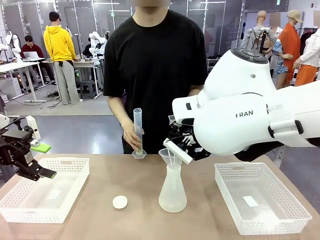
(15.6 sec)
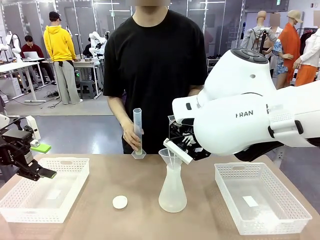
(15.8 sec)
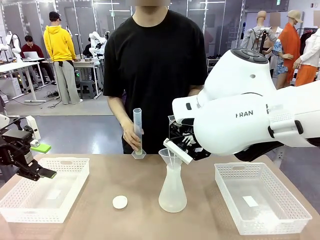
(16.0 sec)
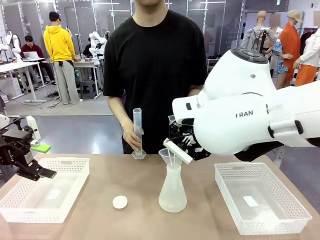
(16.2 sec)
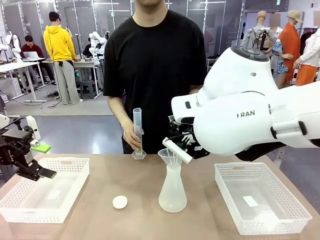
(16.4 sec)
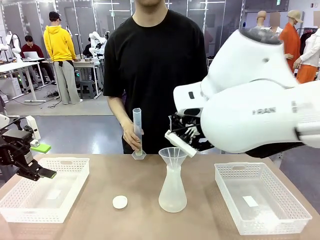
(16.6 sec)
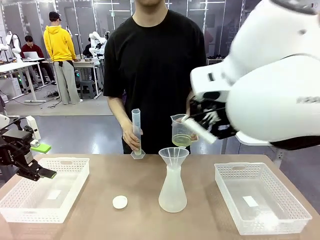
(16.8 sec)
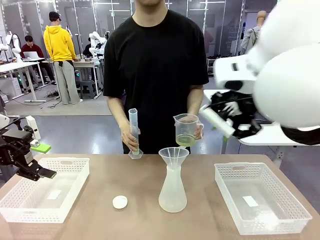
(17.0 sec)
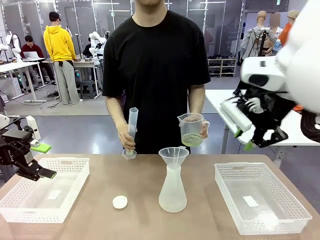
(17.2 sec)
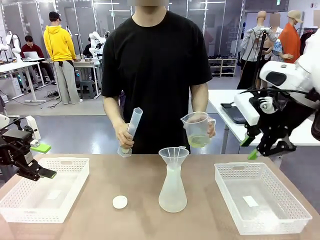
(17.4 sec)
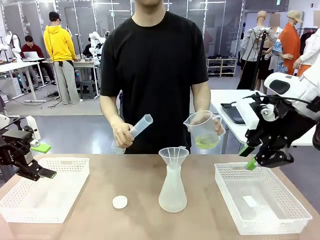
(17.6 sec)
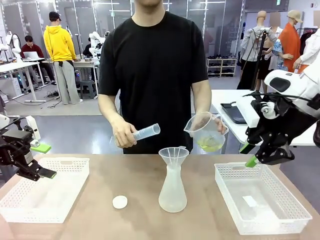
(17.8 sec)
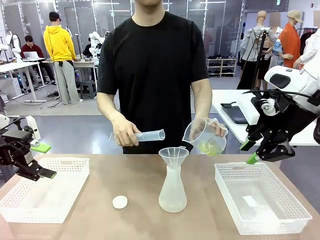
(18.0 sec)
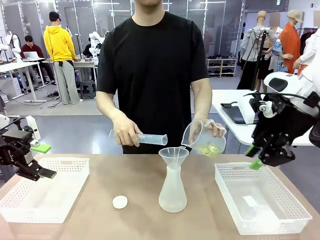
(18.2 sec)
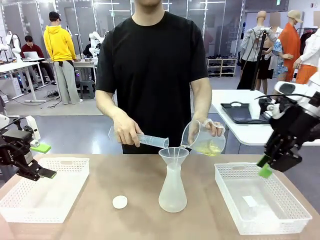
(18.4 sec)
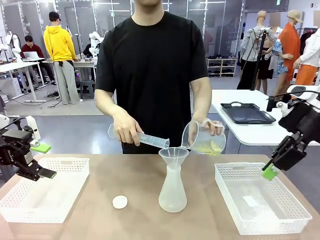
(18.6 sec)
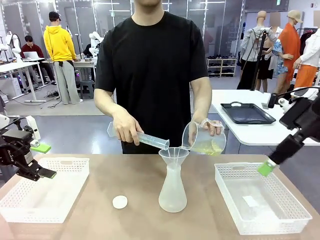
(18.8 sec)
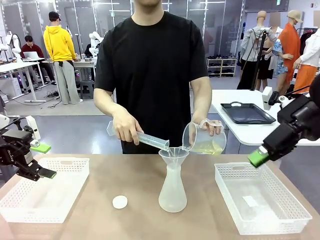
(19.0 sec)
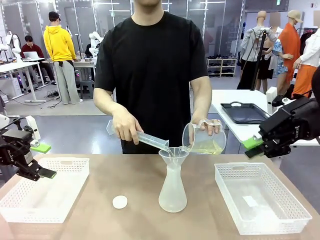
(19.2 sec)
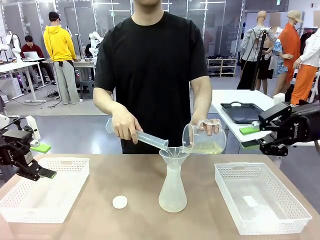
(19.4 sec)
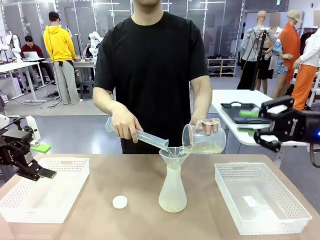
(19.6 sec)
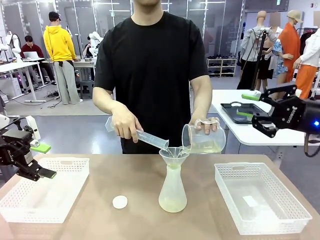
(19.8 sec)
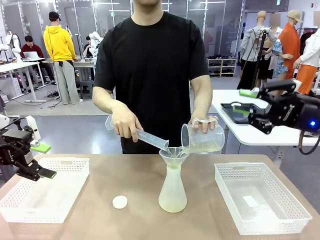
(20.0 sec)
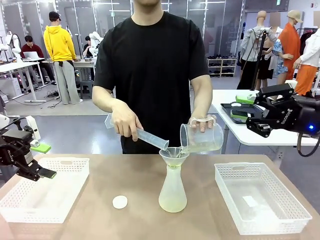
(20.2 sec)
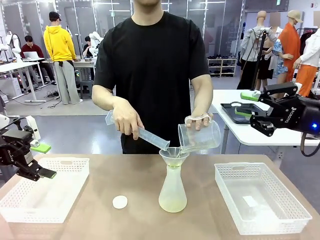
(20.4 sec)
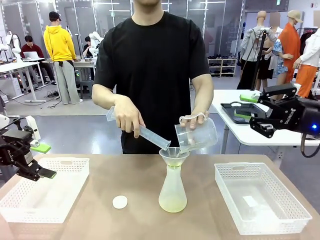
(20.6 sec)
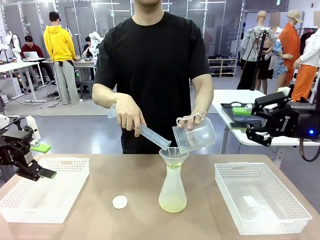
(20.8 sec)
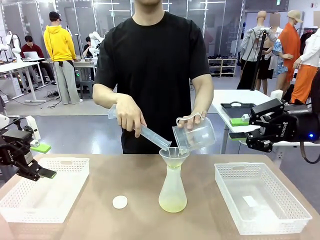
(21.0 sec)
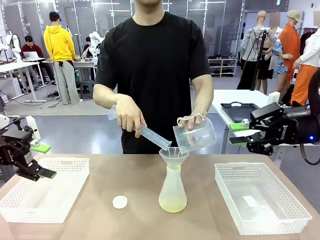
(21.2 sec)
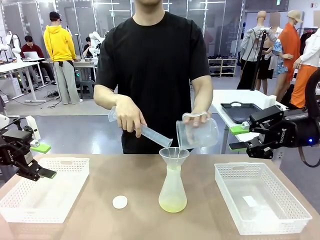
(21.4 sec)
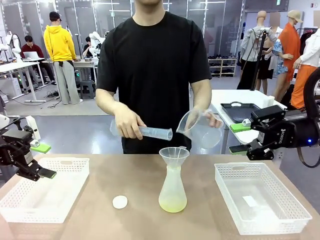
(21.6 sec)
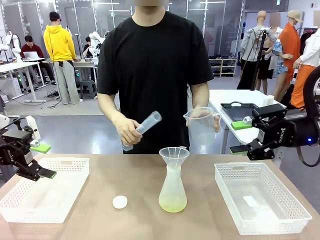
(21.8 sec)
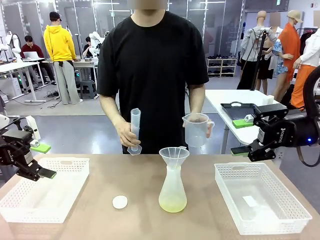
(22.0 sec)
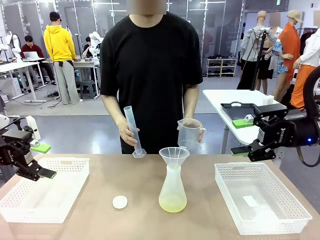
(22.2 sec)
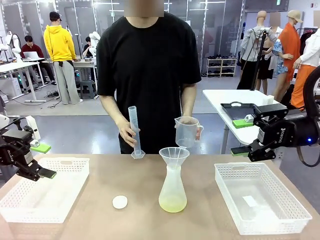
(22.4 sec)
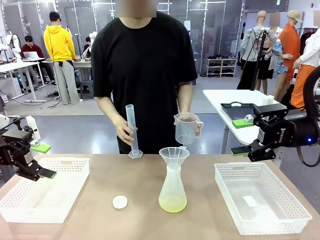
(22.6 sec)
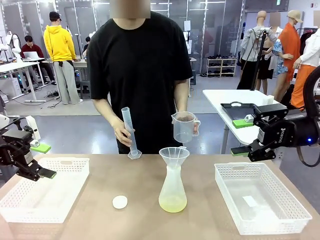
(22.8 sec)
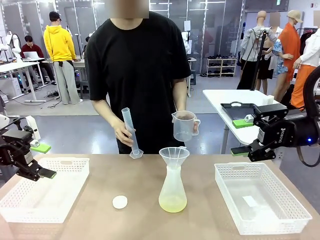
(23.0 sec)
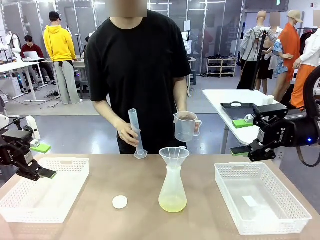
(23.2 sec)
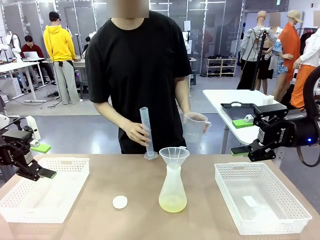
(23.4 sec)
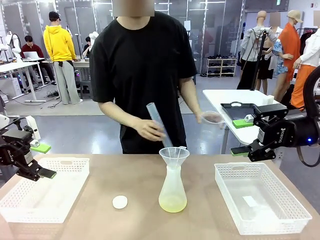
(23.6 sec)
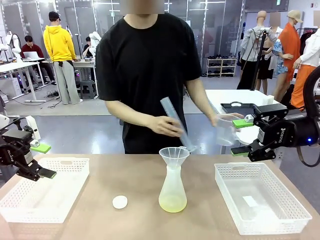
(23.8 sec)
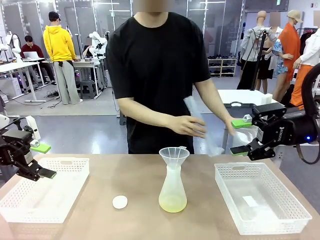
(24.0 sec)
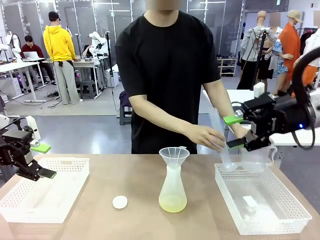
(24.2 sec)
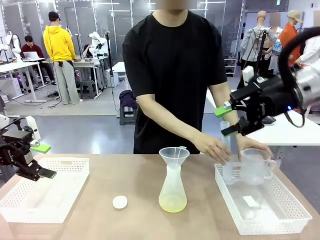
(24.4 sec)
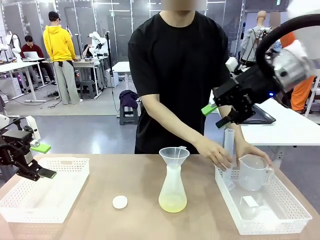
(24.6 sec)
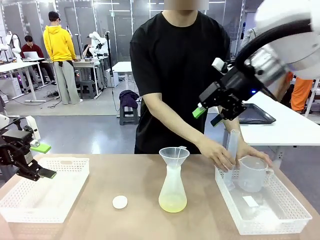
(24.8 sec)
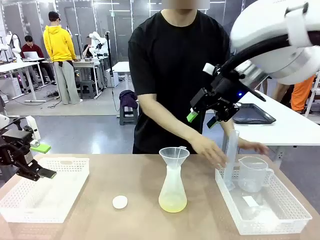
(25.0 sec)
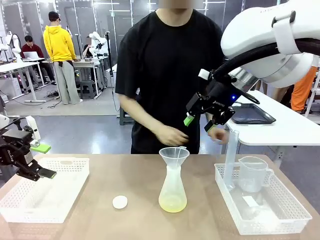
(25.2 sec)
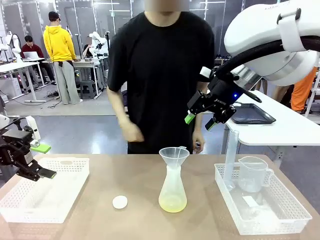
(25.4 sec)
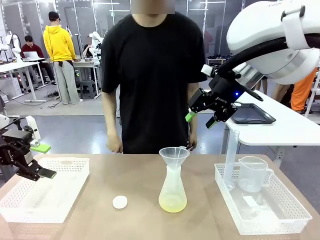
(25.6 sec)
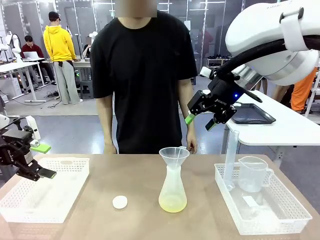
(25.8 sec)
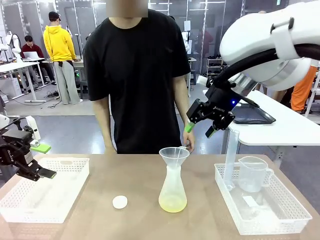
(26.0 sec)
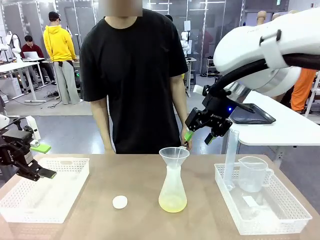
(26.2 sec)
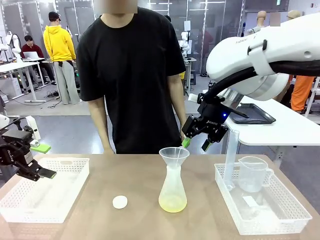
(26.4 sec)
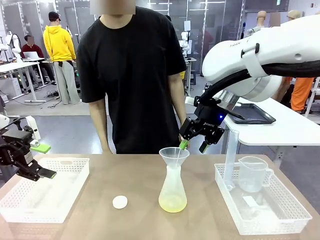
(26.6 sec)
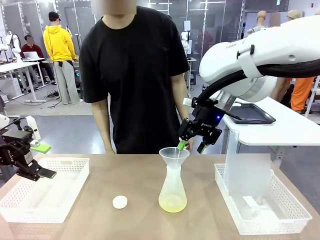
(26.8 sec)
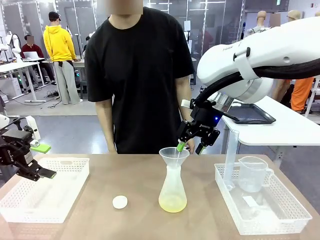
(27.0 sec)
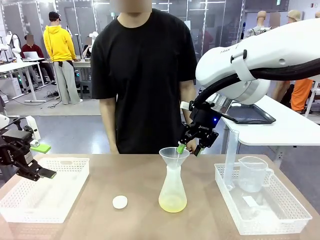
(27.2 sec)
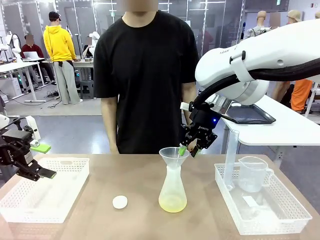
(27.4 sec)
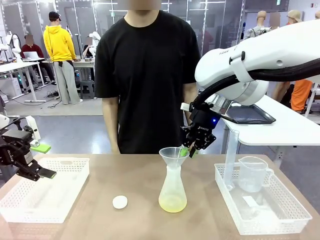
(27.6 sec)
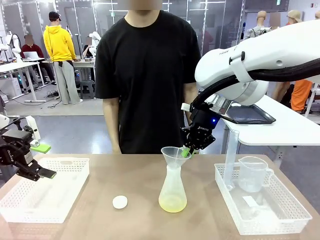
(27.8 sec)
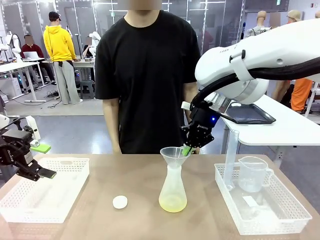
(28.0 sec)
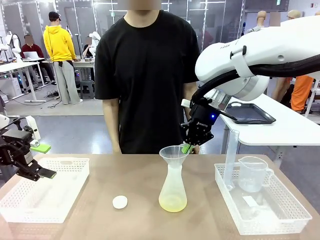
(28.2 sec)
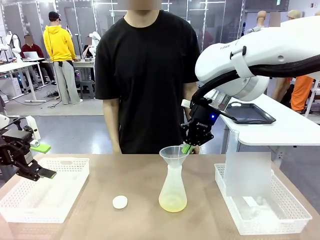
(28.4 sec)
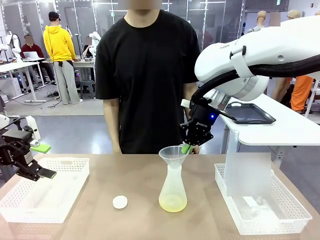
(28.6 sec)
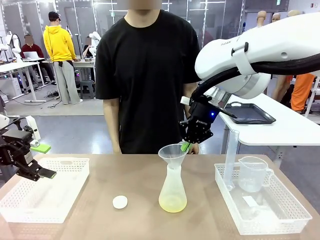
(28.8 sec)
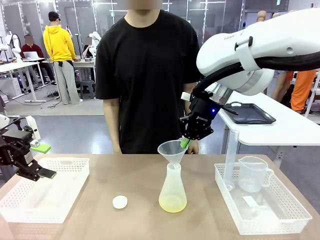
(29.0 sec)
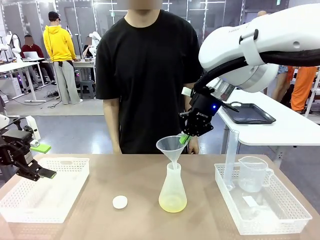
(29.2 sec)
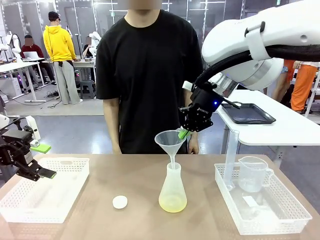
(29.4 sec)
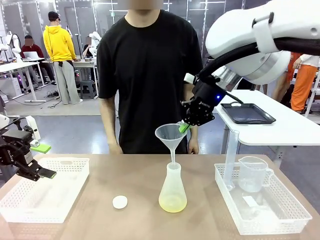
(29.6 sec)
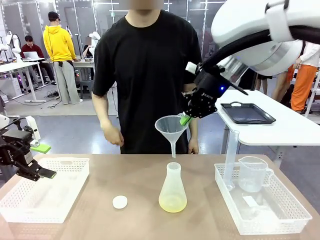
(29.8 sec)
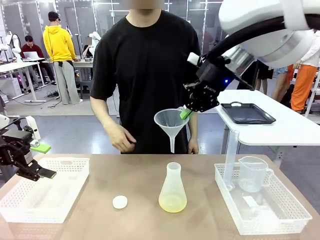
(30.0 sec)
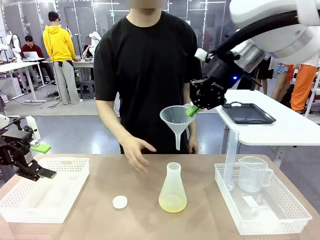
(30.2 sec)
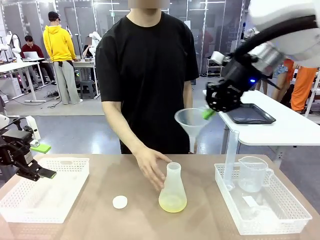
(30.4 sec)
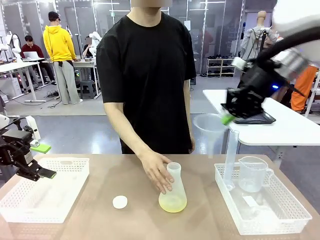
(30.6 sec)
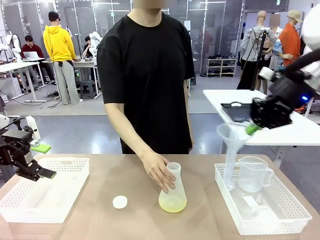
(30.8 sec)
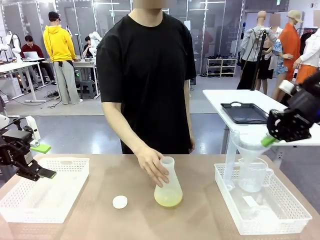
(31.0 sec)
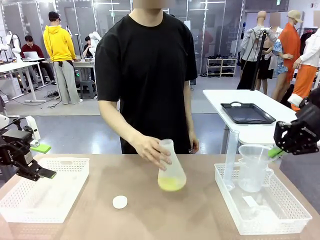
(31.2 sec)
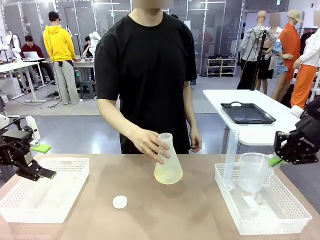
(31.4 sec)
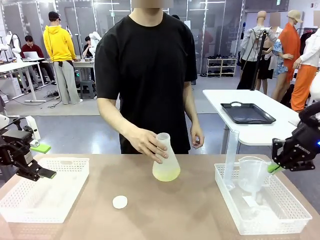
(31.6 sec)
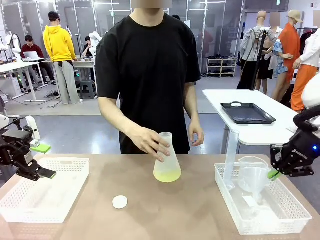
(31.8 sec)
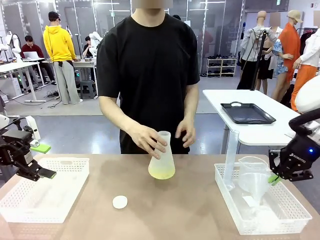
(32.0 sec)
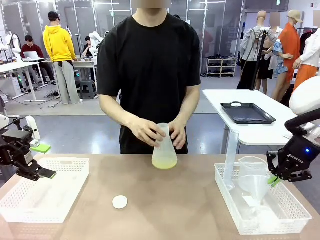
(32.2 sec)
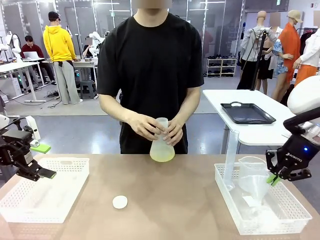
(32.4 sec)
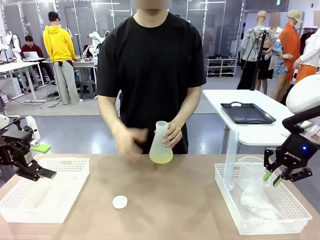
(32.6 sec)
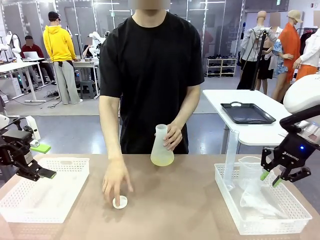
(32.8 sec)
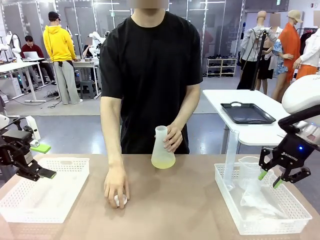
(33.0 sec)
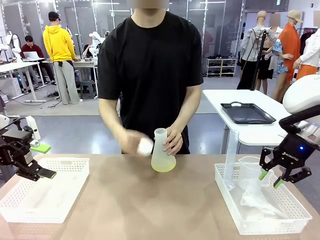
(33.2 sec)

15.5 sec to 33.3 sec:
Task: Prepare the solutions needed for the experiment.
Robot: Once the solution is in the Big flask , pick up the Plastic Funnel and place it back into the right Organizing basket.
Person: Pour the solution from the beaker and the cylinder into the flask. Place the beaker and the cylinder into the organizing basket on the left side. Pick up the flask, gently shake it 2–3 times, place it in the middle of the robot table, and close the lid.
